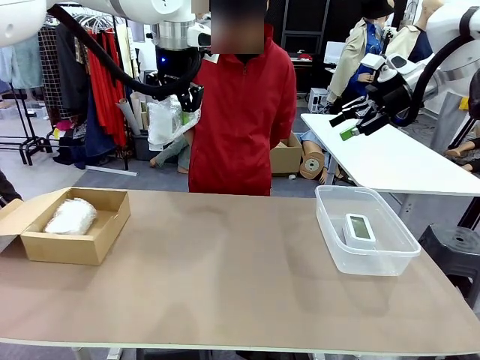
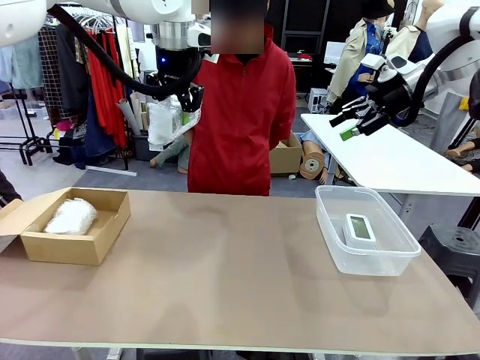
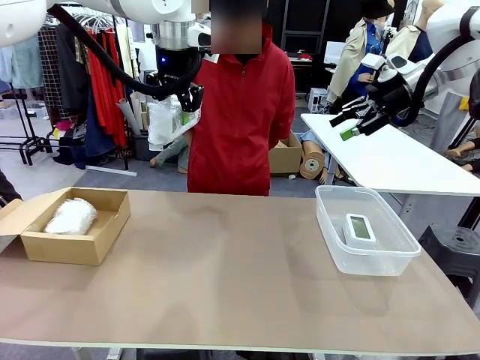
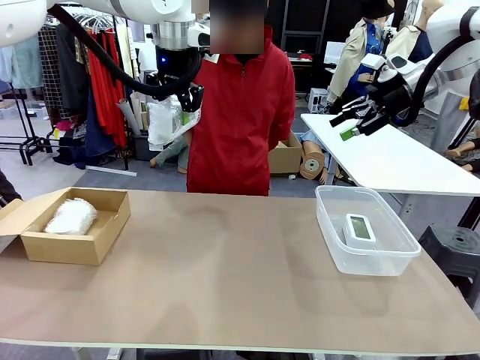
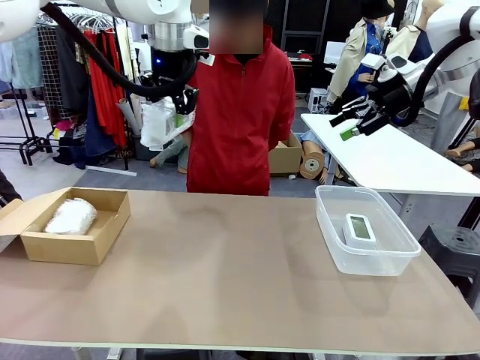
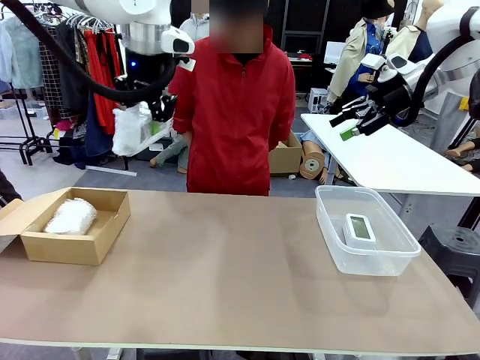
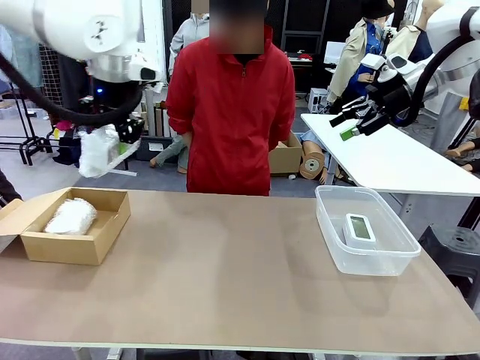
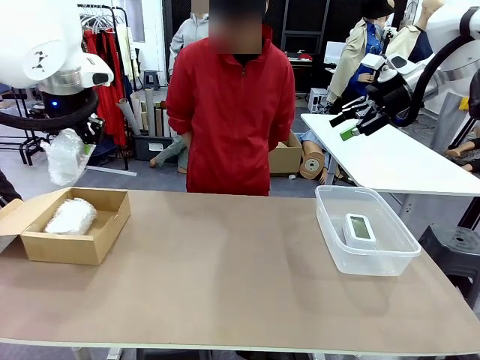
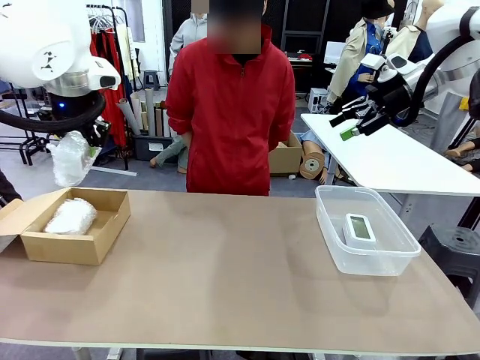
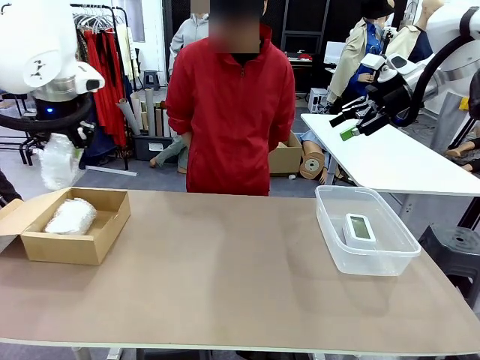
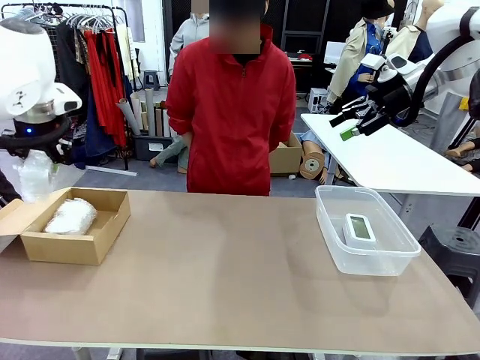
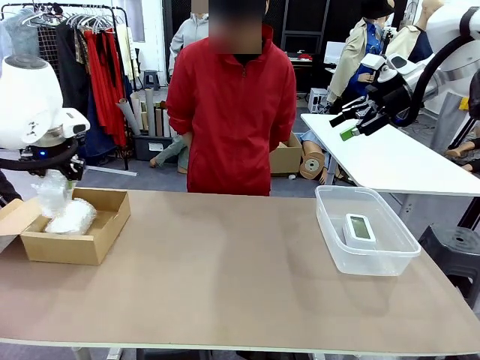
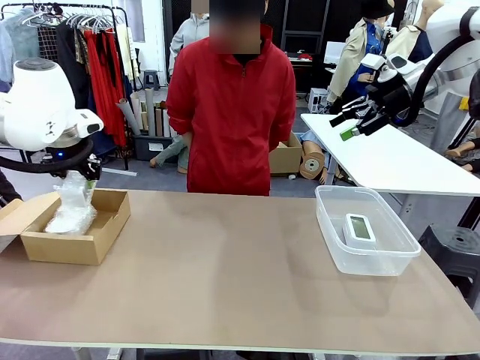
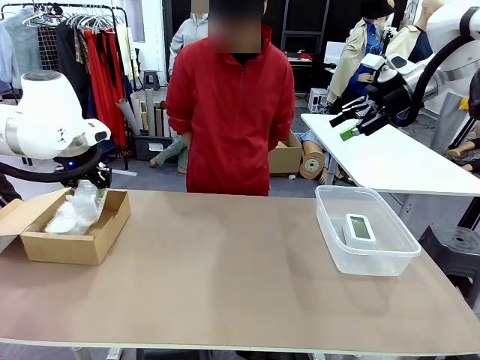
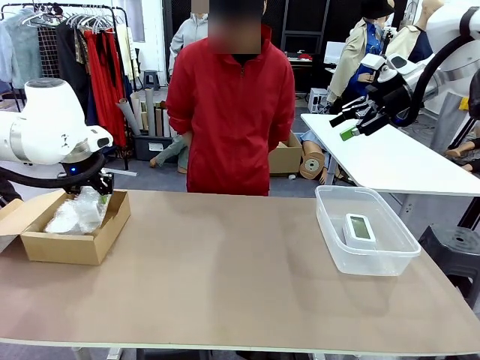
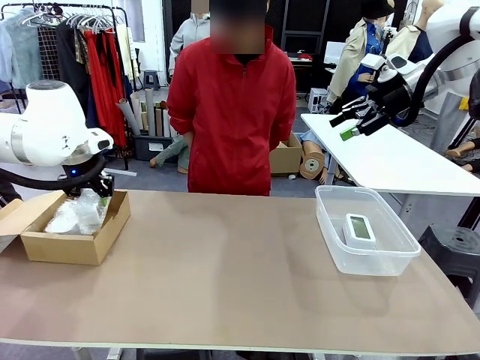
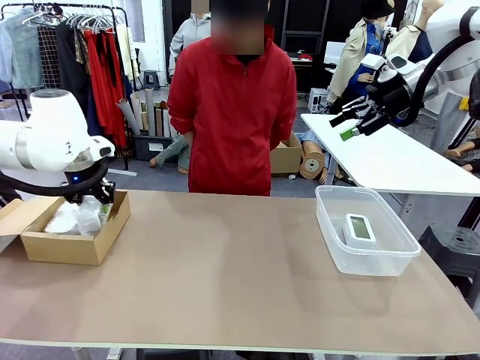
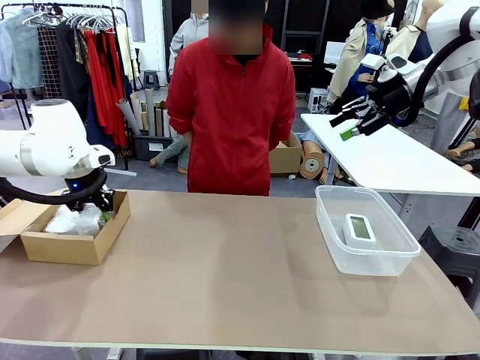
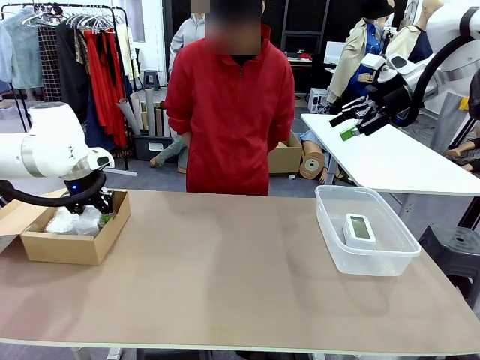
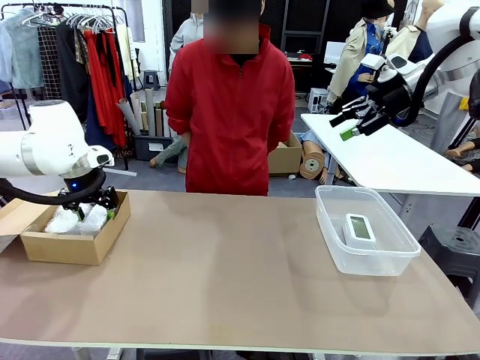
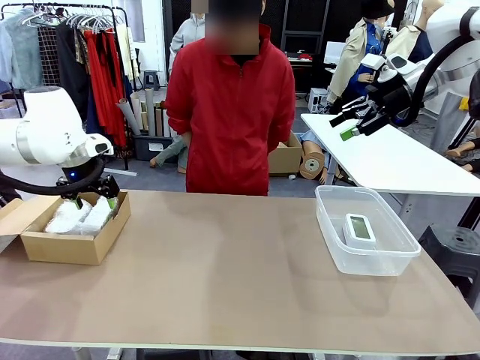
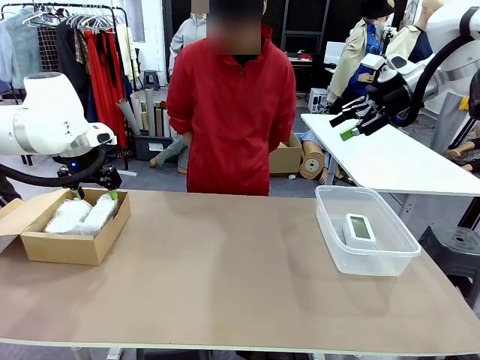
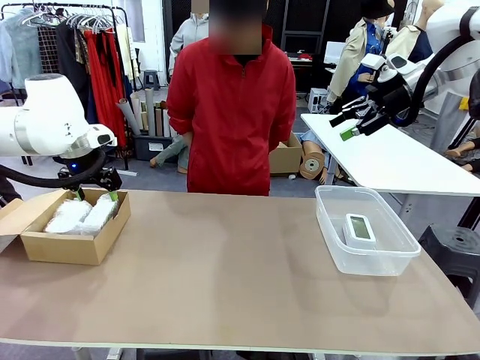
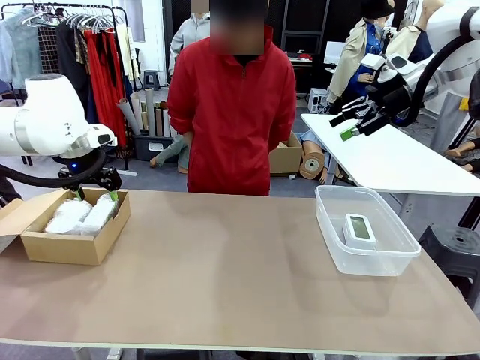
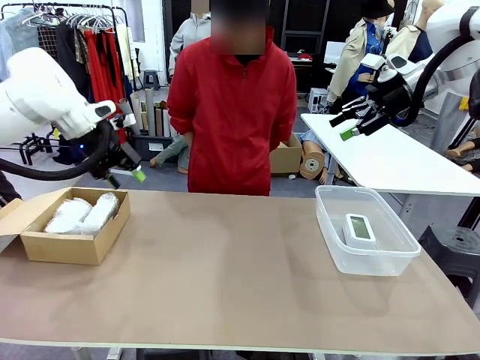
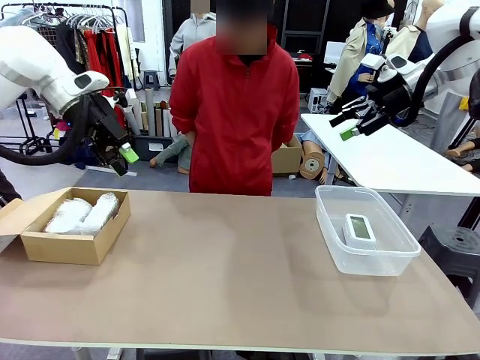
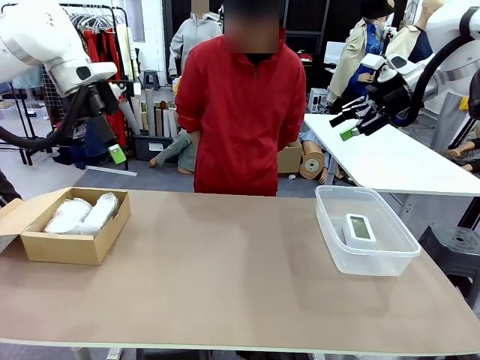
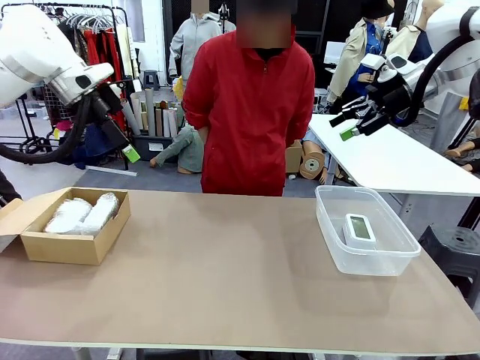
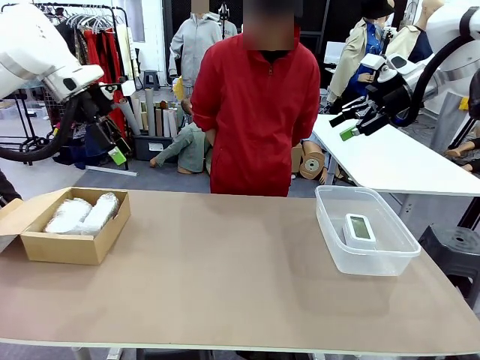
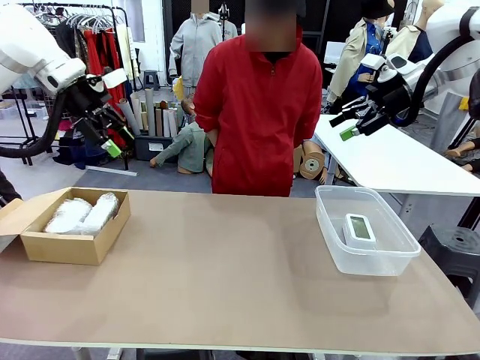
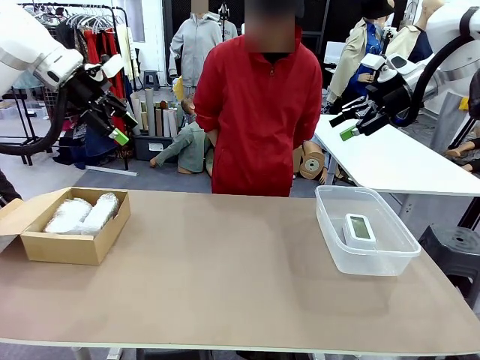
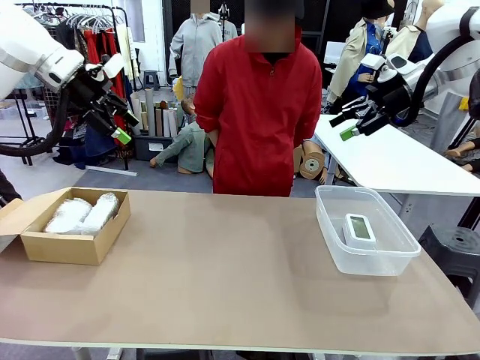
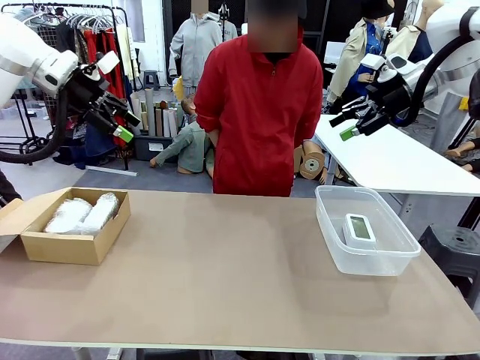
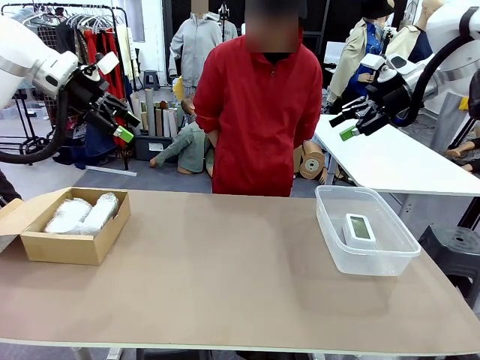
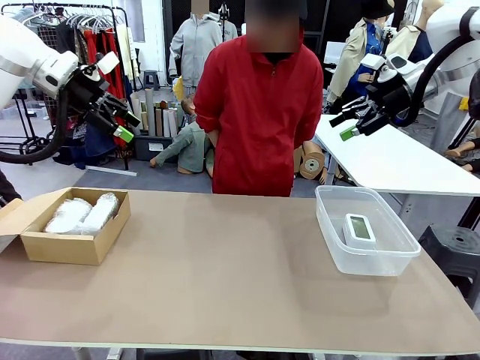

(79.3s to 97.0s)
Task: Separate and place wrapped and unwrapped clocks.
Robot: If the picked Digital clock is wrapped, place it in the Package Box ; if not, place it in the Organizing box.

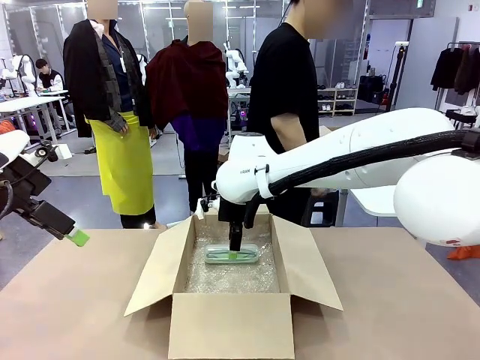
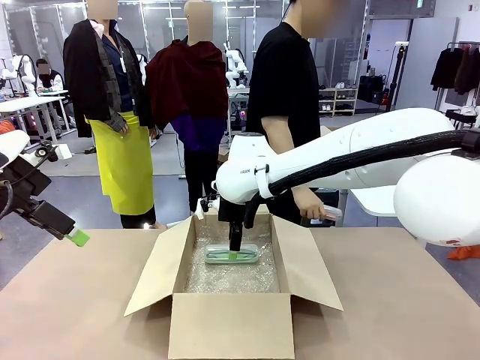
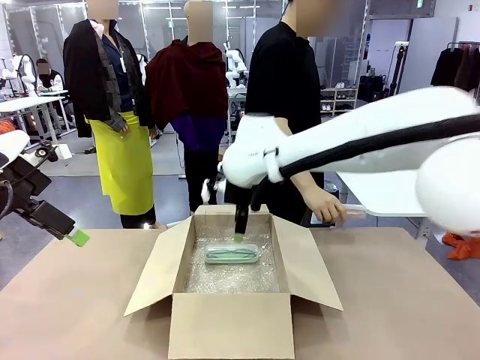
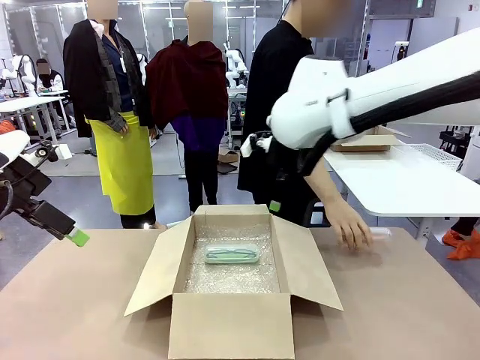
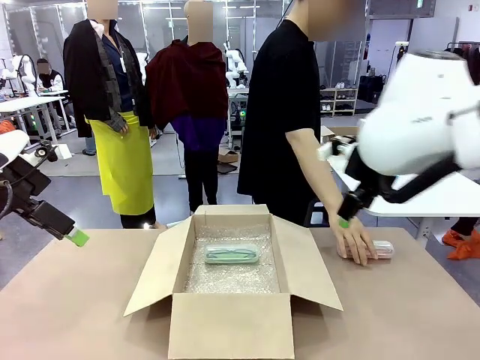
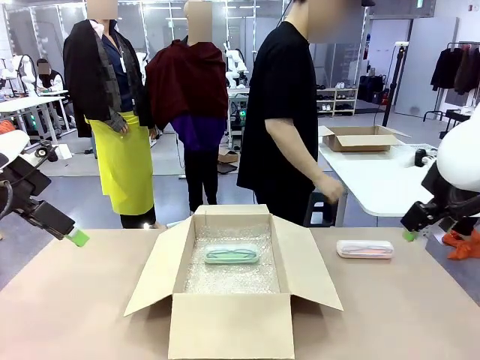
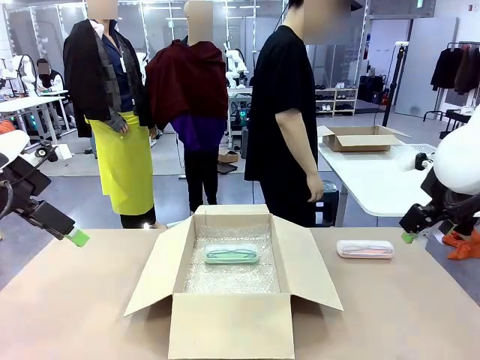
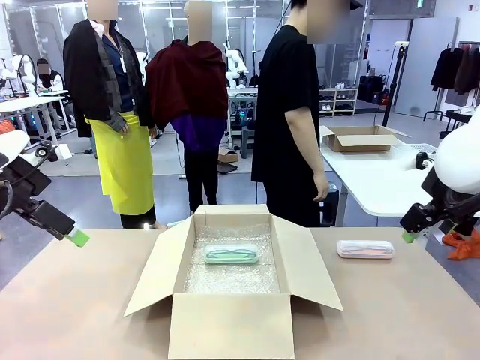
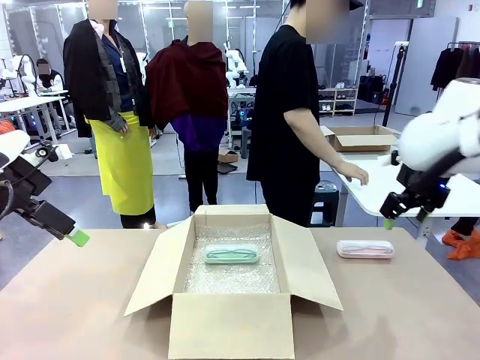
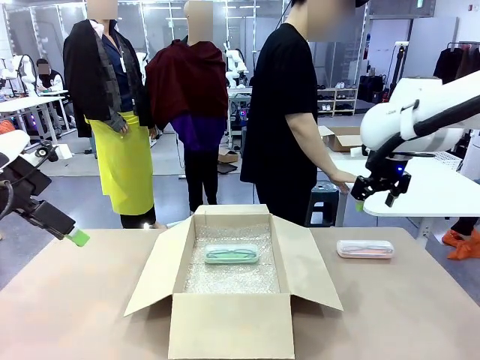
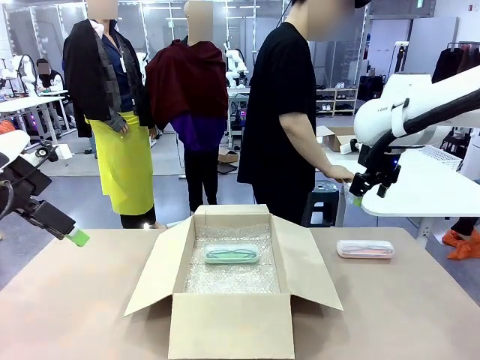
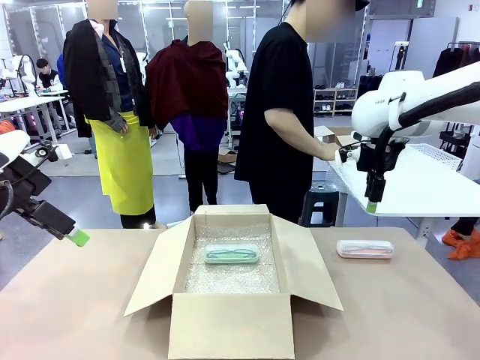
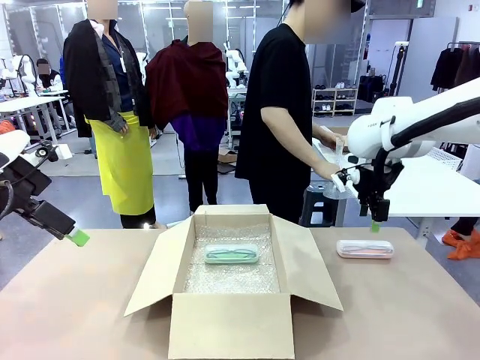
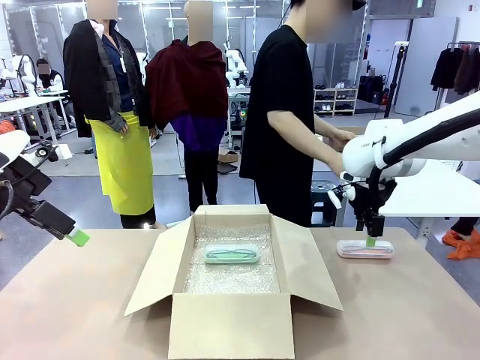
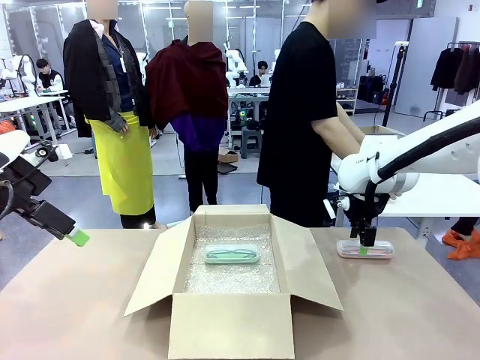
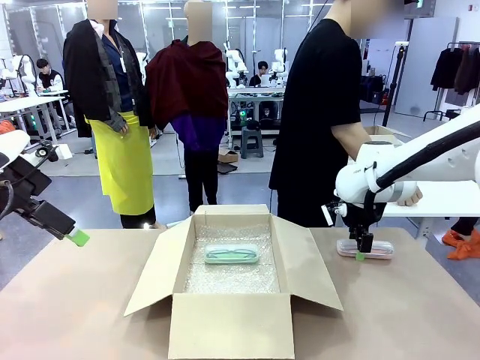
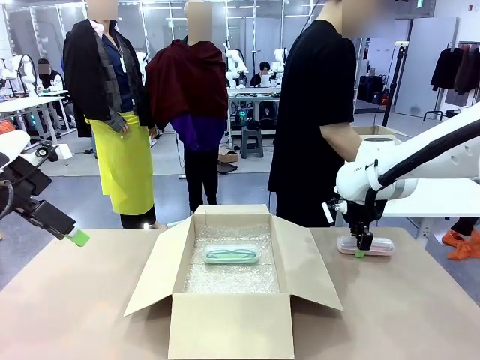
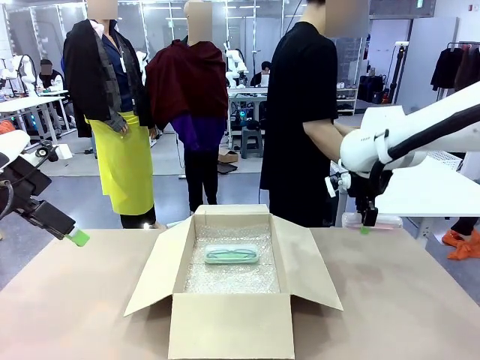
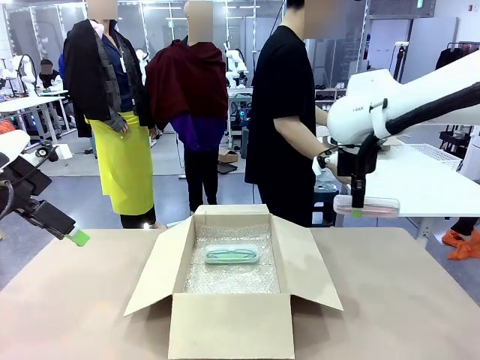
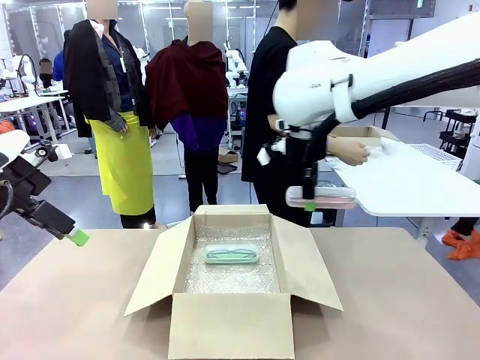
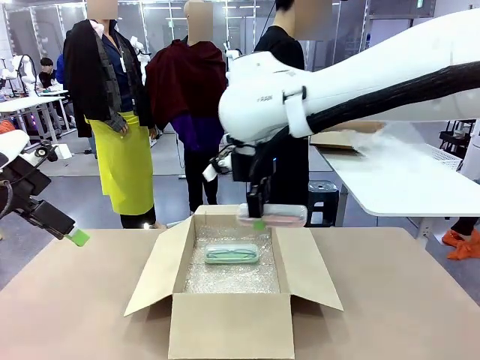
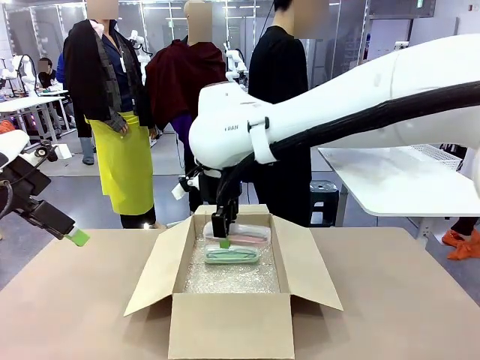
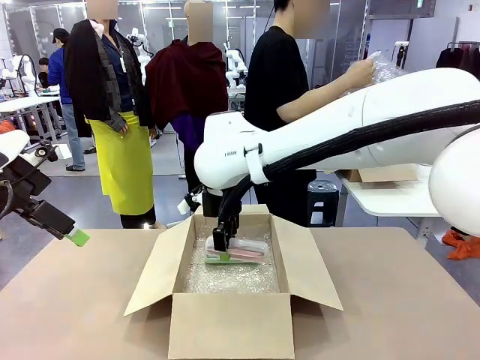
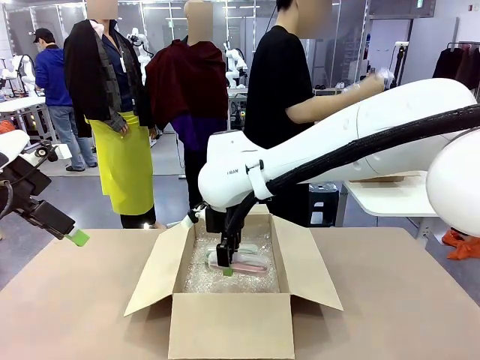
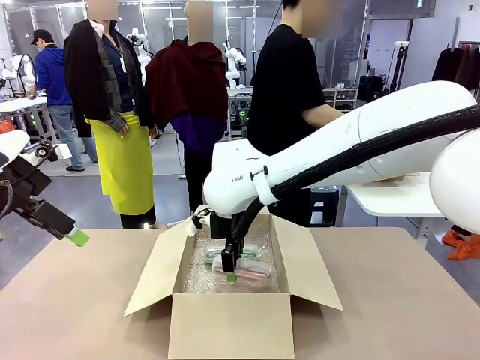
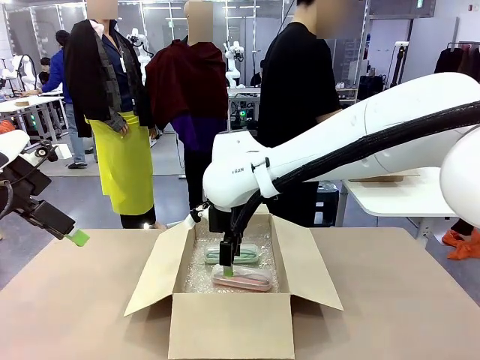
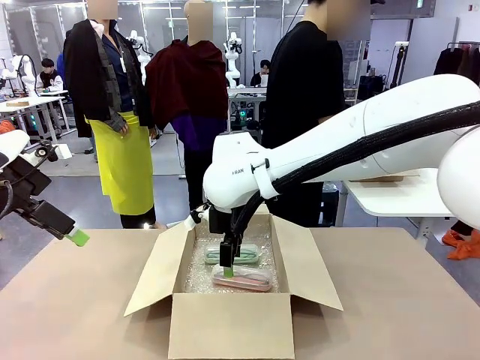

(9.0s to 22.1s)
Task: Pack the glasses set securely to prepare it for shipping.
Robot: Put the Glasses case from the right side of the table into the Package Box.
Person: Position the Glasses case on the left side of the robot's table.
